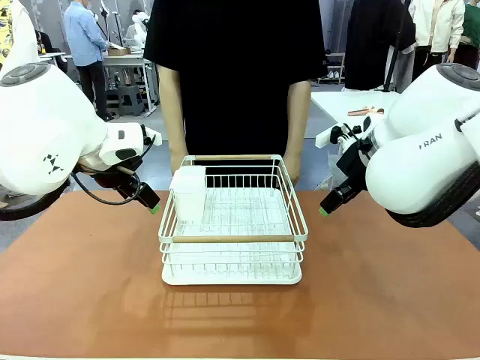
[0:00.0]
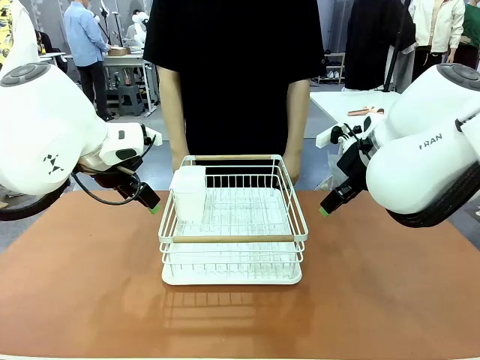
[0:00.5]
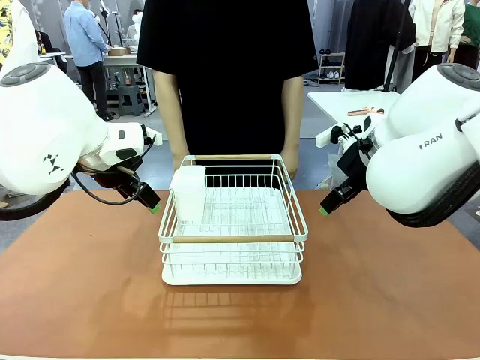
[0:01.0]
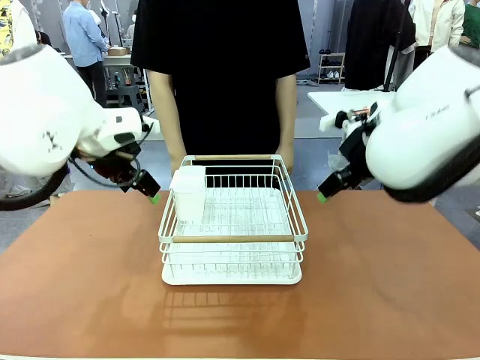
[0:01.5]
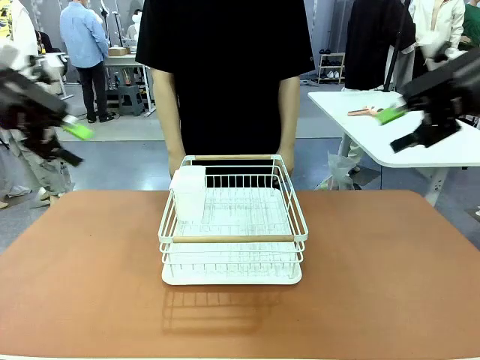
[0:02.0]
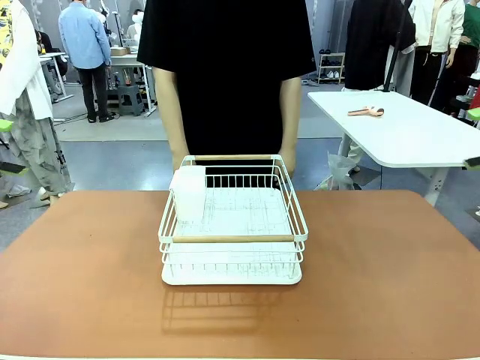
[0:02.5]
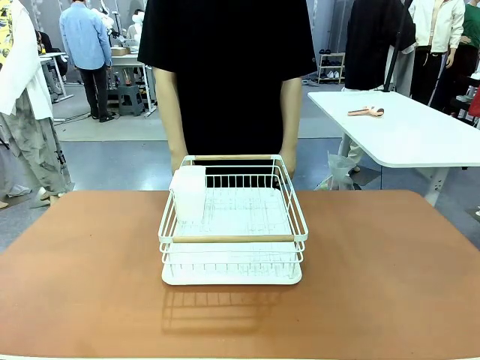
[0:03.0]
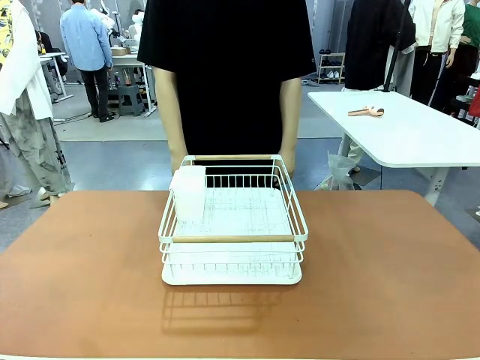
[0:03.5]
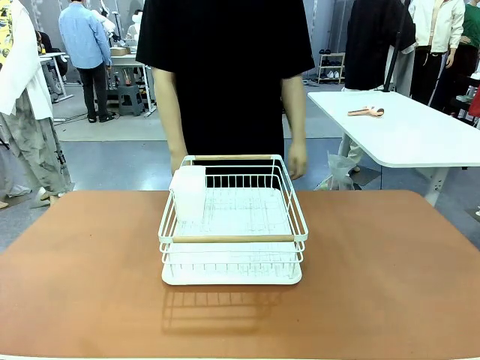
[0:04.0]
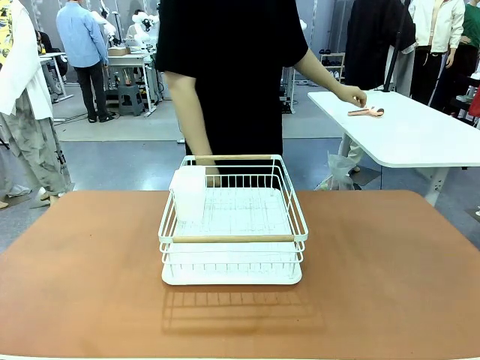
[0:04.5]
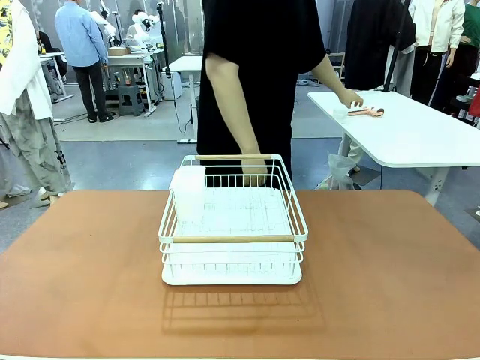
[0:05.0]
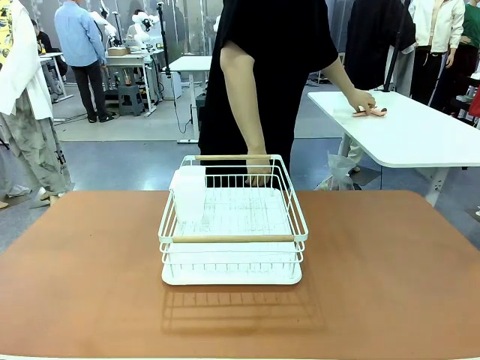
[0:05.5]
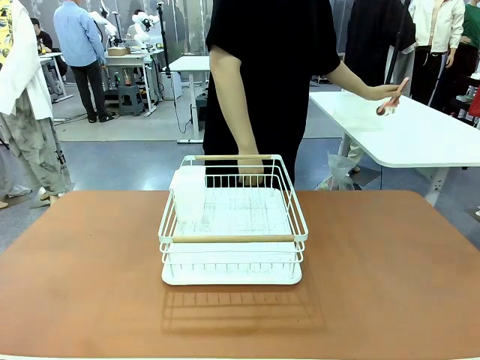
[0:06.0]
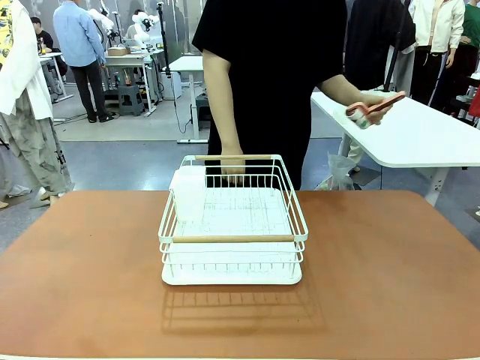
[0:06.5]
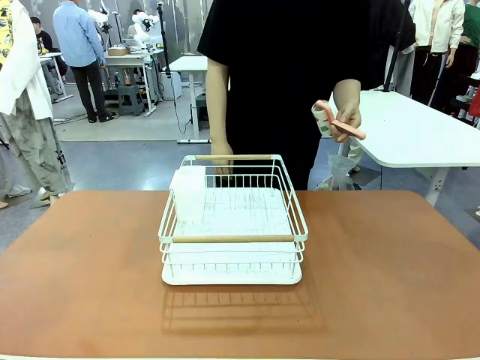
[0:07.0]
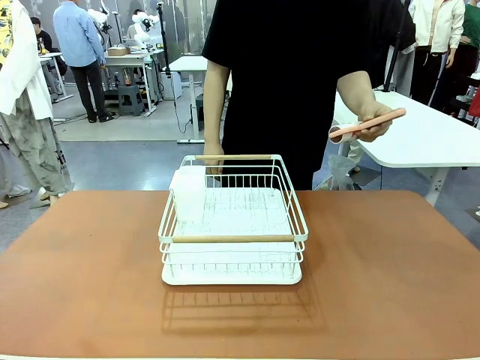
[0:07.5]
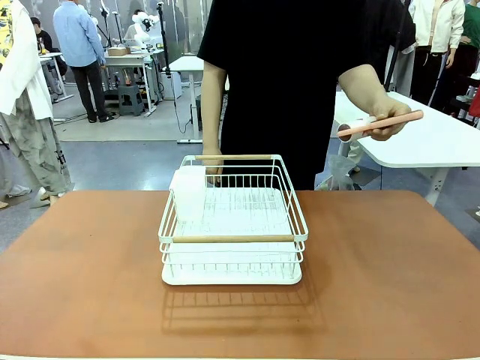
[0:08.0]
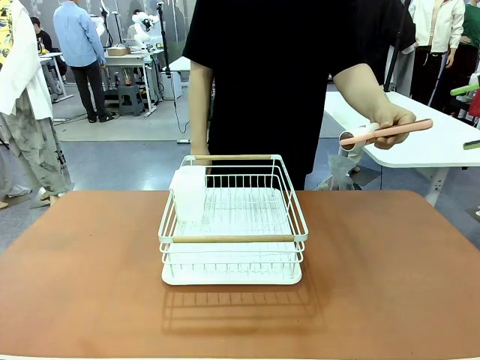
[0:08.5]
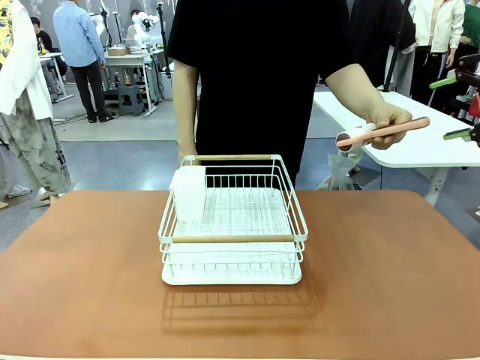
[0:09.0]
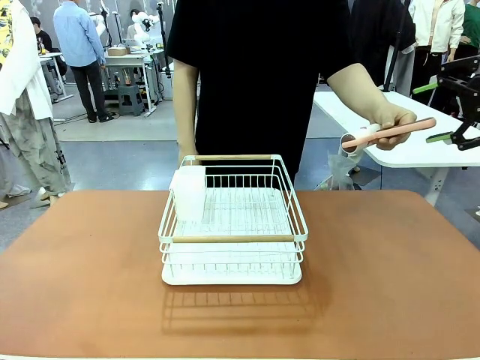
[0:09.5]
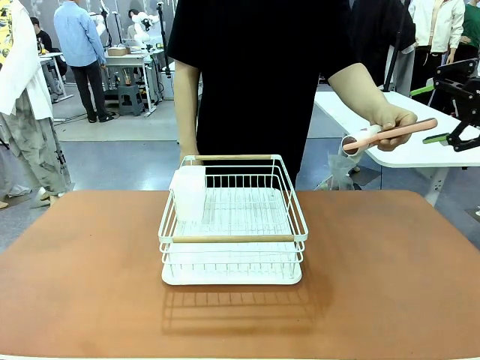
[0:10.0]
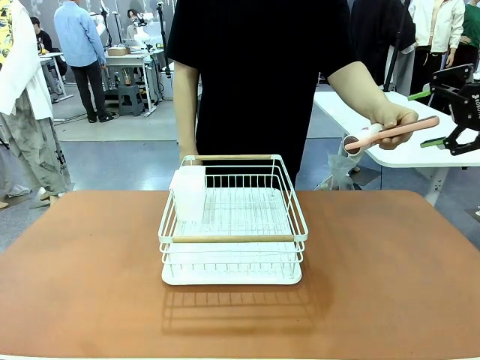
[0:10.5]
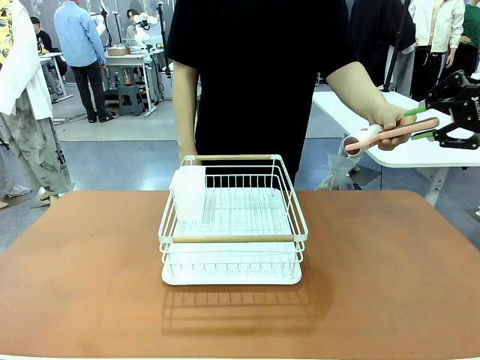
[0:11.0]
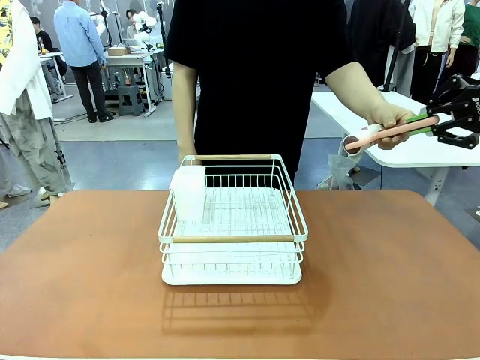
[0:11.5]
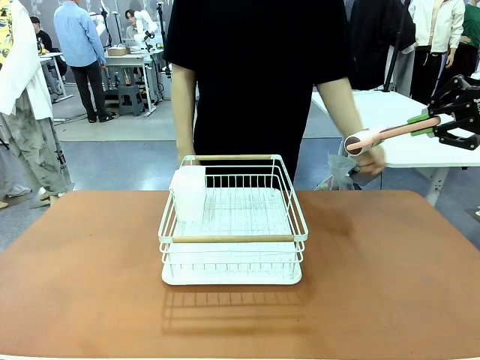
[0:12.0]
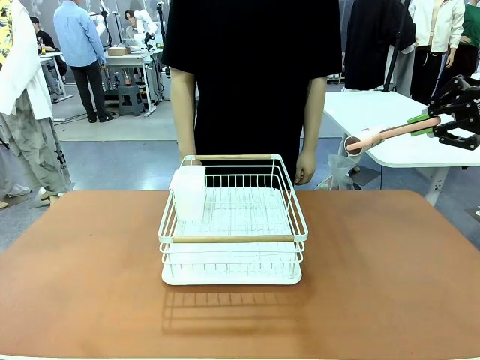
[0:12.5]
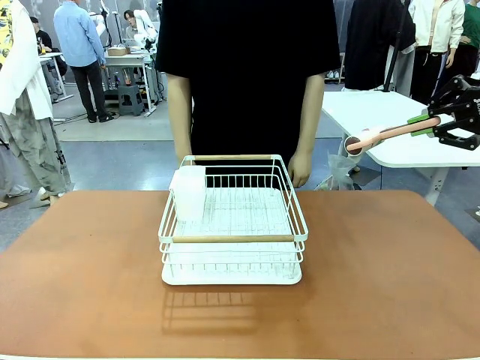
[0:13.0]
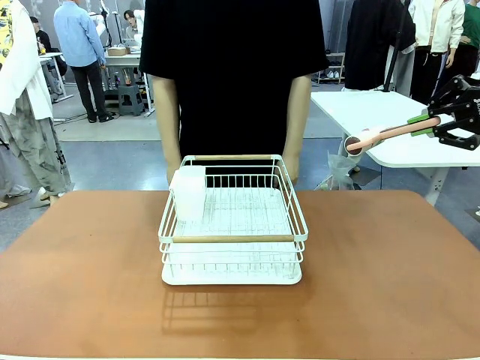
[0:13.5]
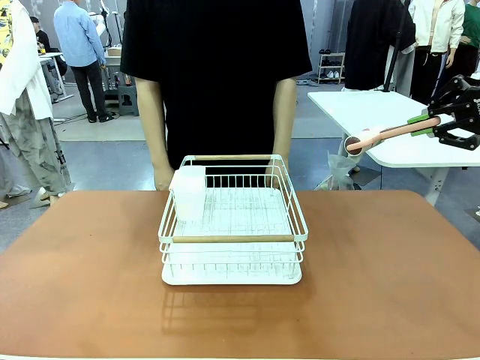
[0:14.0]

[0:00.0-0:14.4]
Task: Clean the table.
Robot: Pick up the Lint Roller when the human hands it over.
Person: Hand the Lint Roller to the robot so it can easily pick it up. Lift the Dish drying rack.

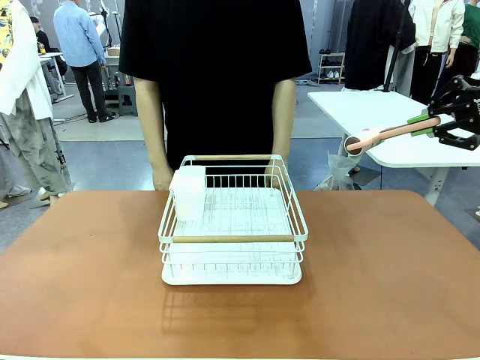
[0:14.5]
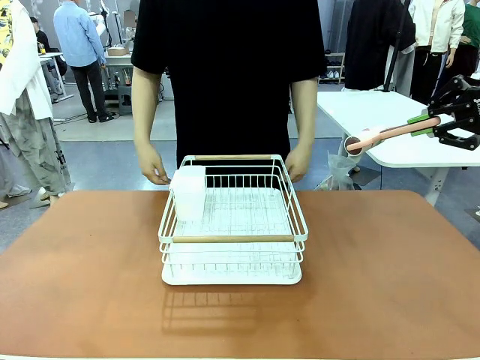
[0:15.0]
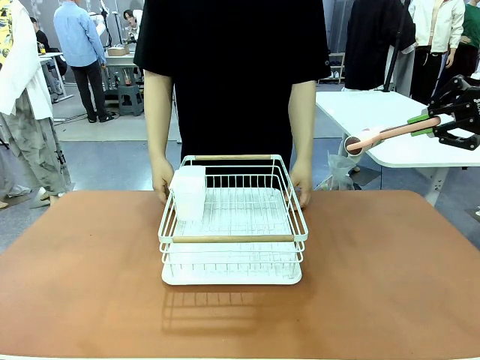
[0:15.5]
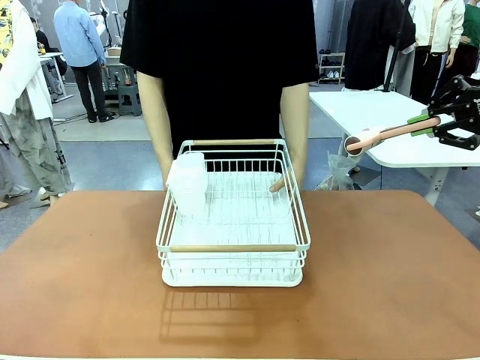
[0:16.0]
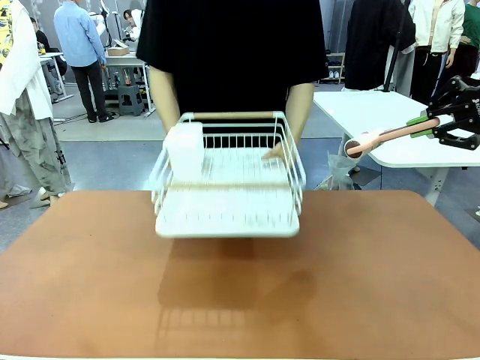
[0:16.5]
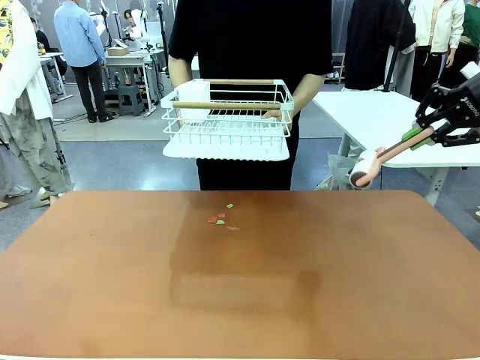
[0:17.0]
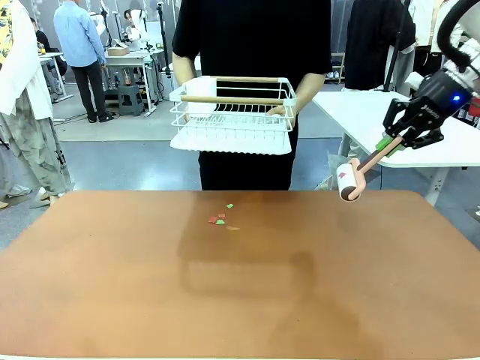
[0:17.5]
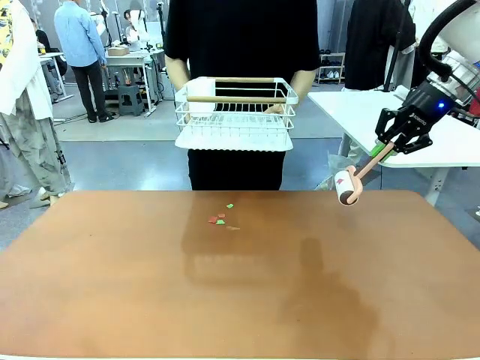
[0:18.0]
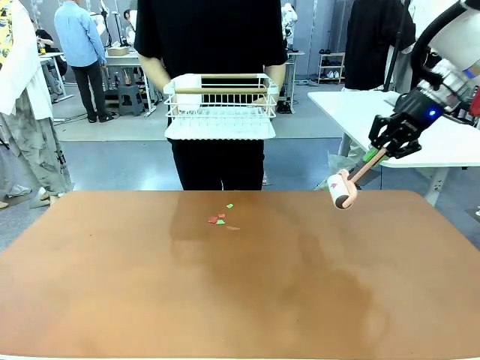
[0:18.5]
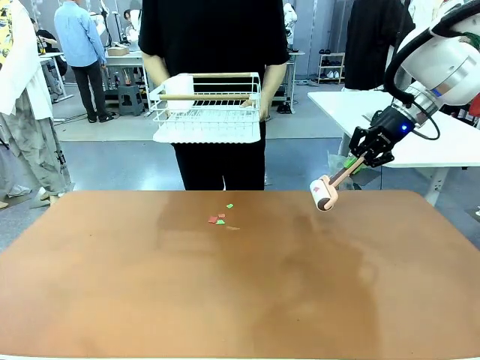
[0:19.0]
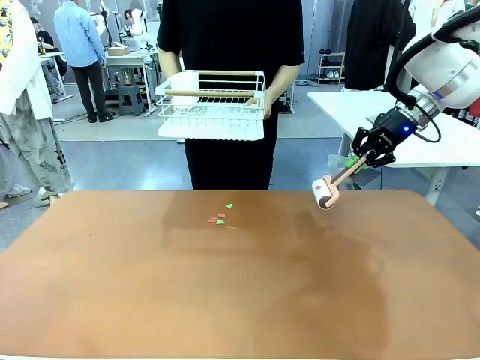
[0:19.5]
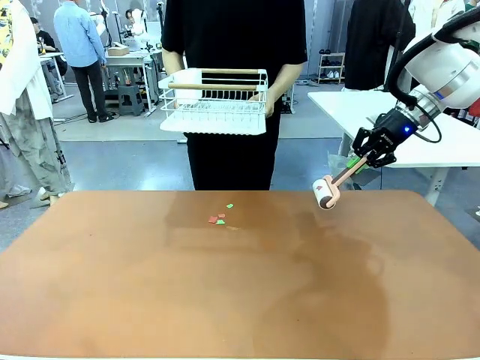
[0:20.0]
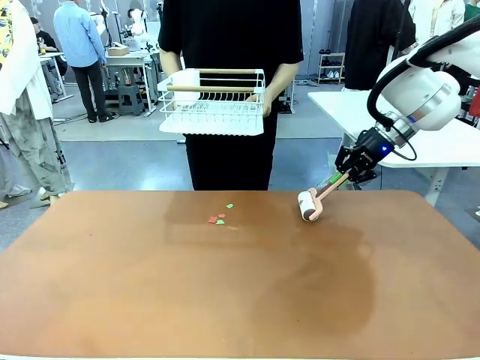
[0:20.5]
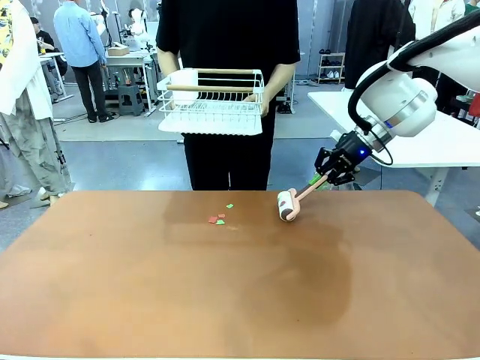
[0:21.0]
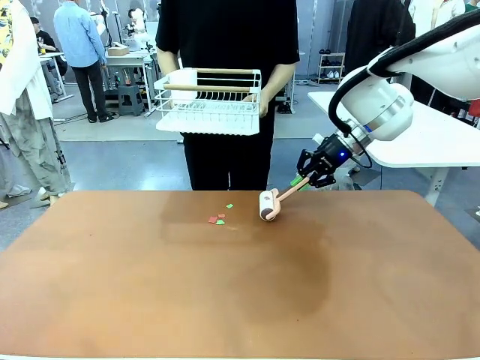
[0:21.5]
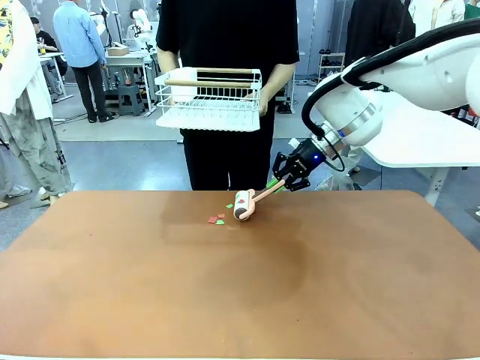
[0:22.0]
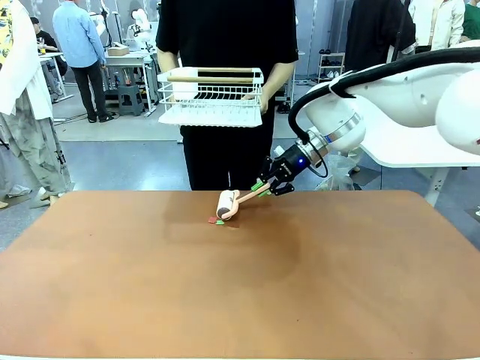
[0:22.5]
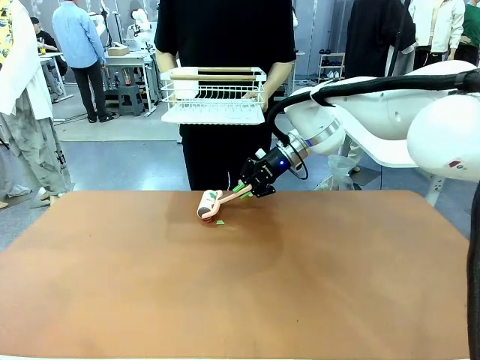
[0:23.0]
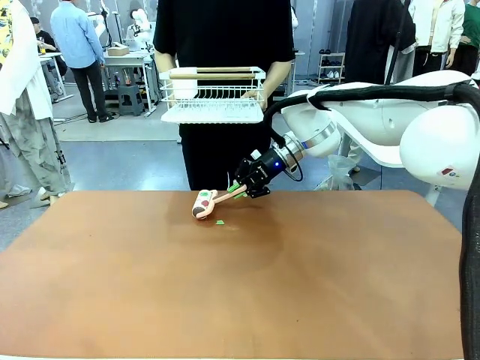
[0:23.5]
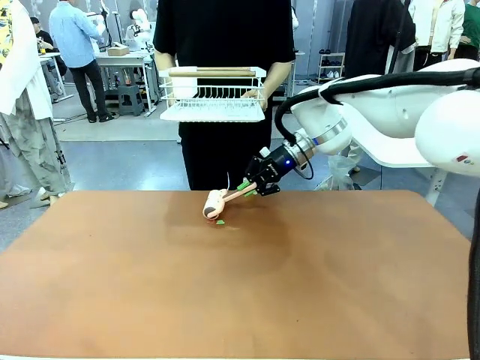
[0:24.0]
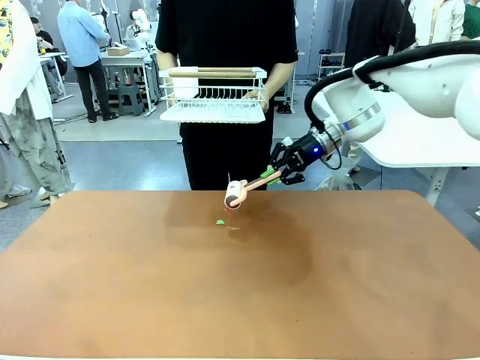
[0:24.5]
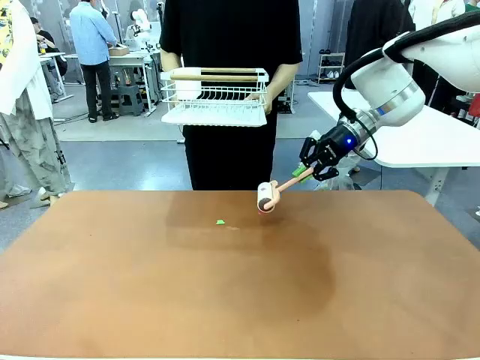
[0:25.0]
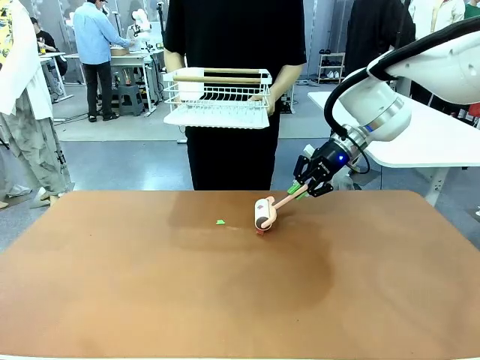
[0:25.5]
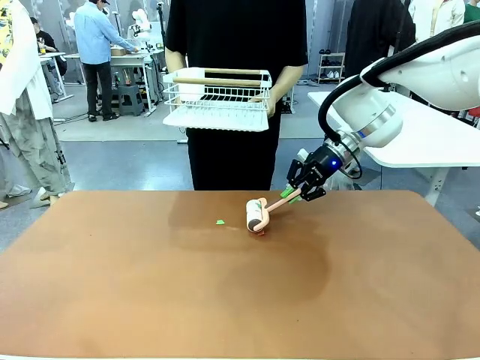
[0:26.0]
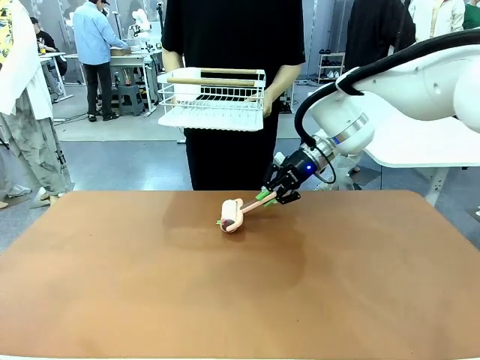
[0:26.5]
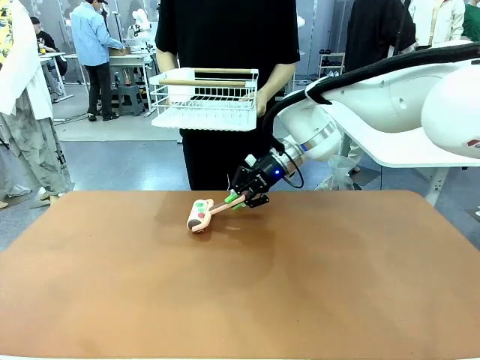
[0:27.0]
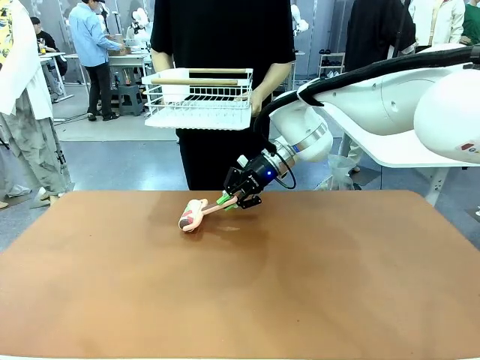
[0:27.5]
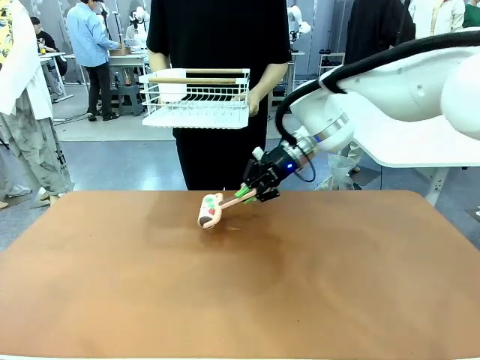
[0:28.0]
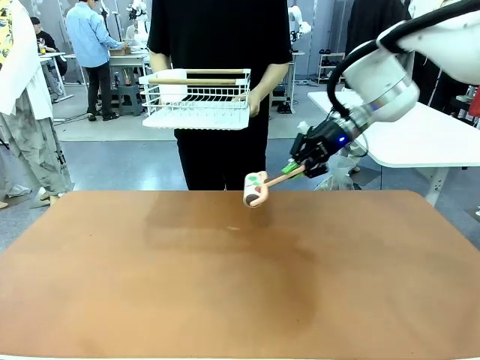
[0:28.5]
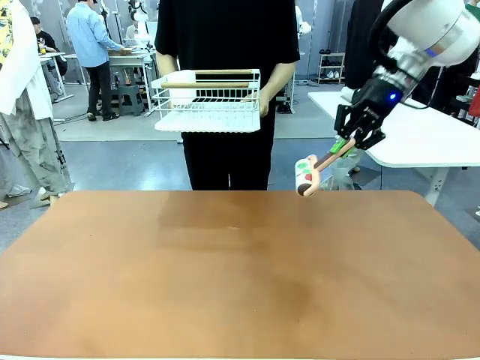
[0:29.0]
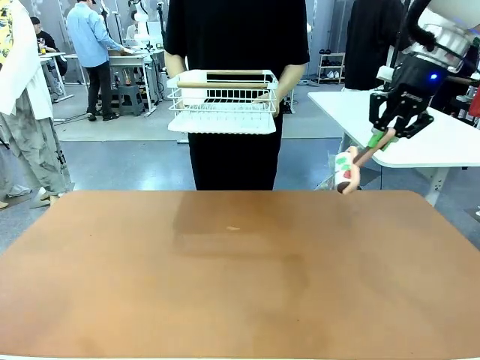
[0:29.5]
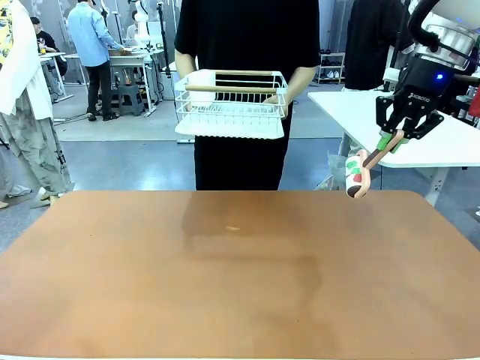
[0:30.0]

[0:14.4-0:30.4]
Robot: Clean the table with the Lint Roller when the human lifts the Dish drying rack.
Person: Place the Dish drying rack down when the robot finishes cleaning.
